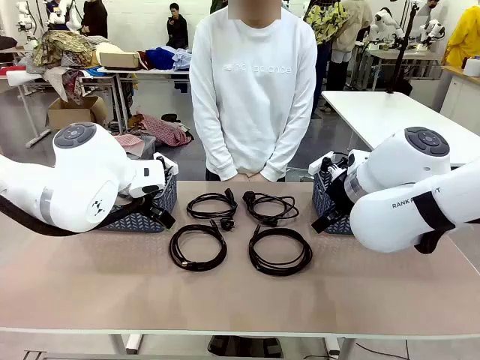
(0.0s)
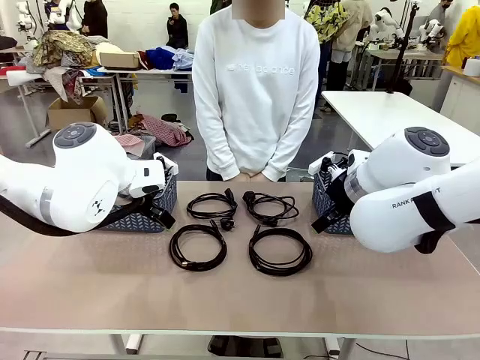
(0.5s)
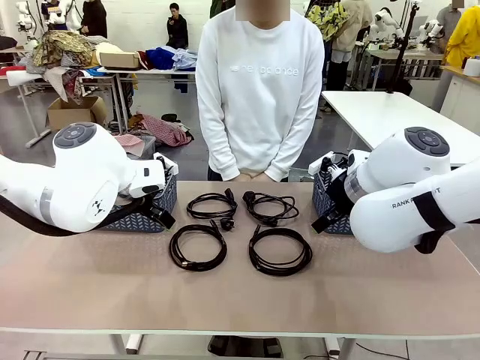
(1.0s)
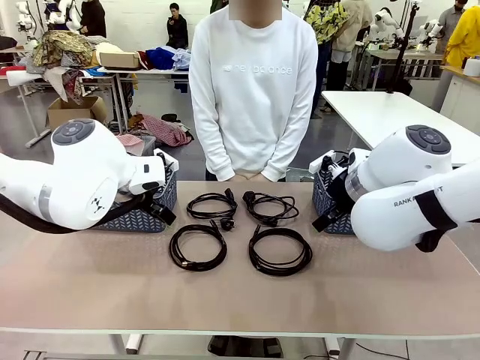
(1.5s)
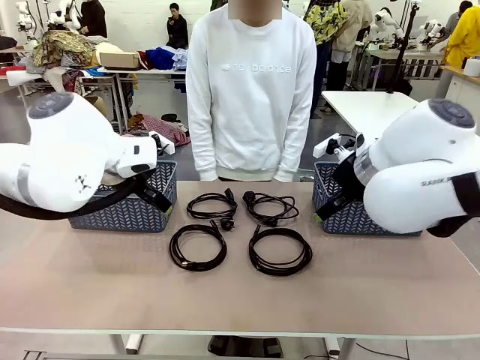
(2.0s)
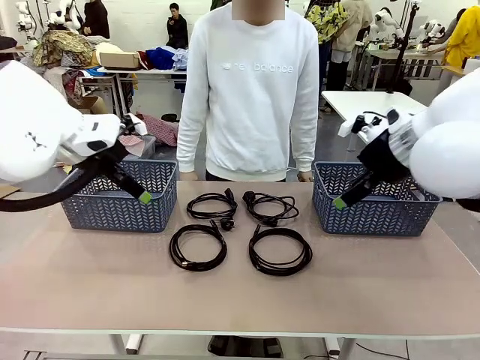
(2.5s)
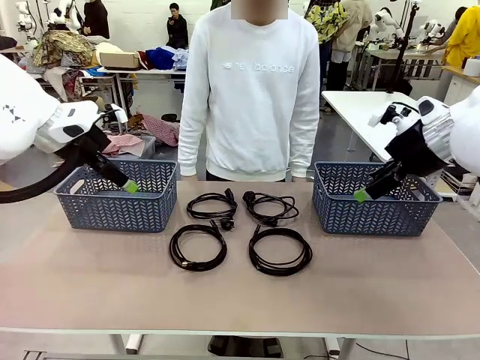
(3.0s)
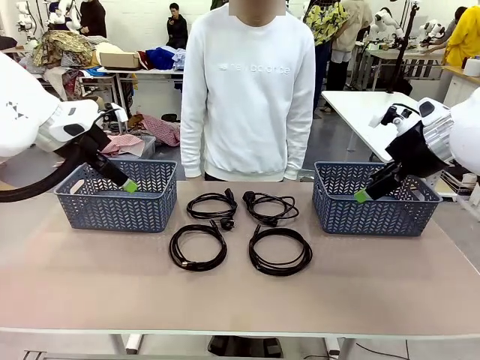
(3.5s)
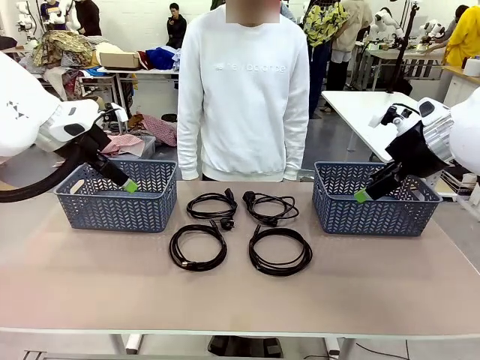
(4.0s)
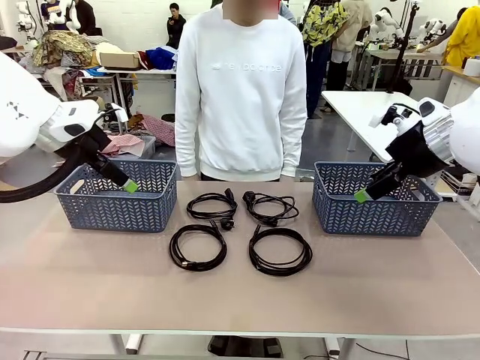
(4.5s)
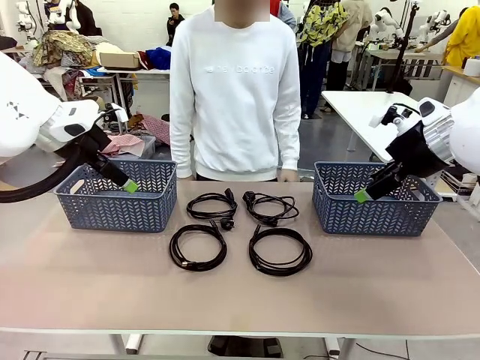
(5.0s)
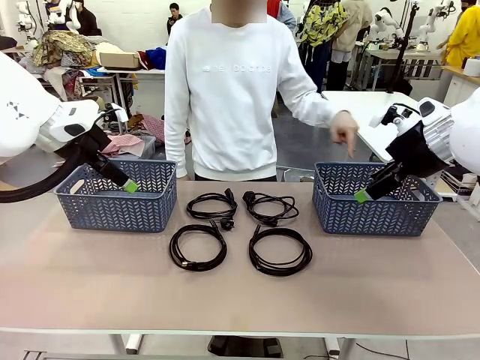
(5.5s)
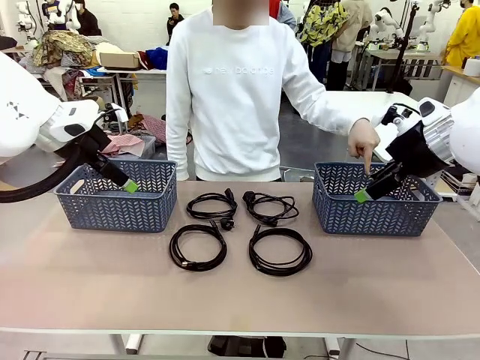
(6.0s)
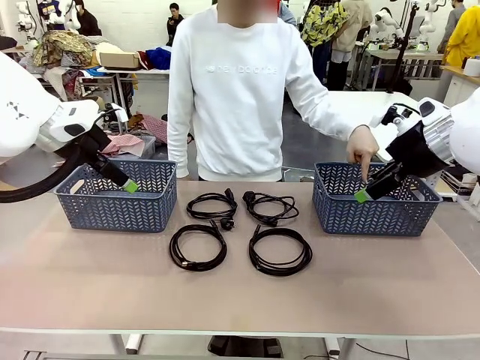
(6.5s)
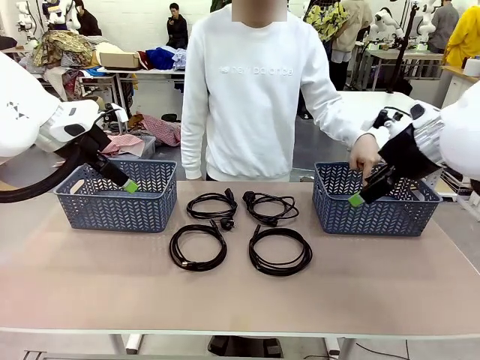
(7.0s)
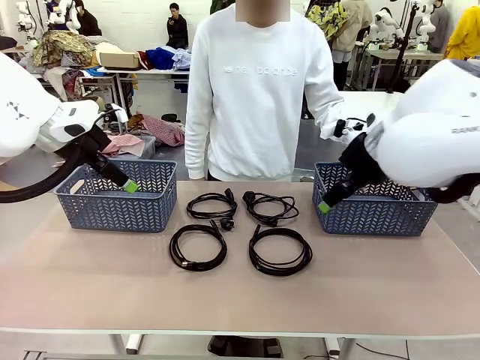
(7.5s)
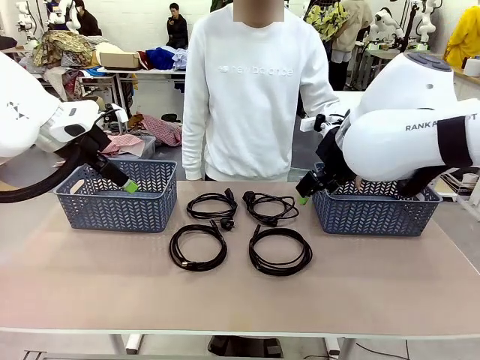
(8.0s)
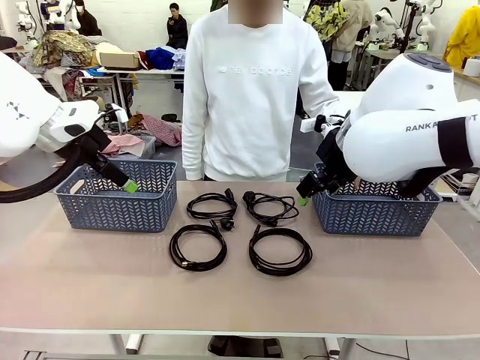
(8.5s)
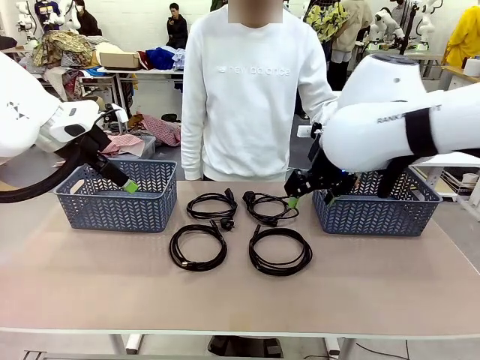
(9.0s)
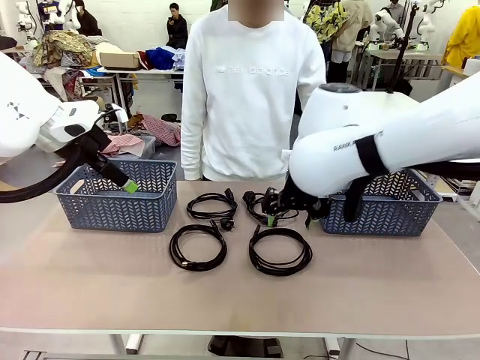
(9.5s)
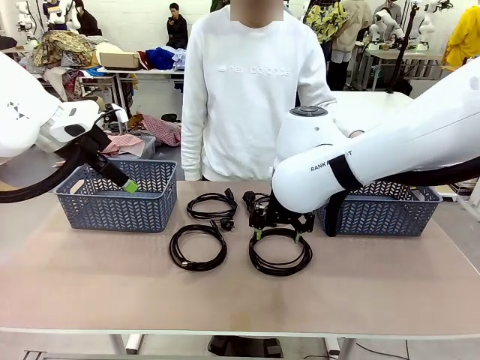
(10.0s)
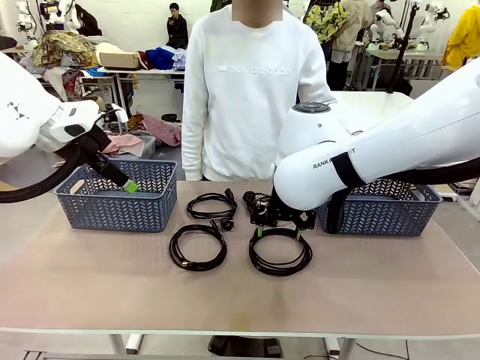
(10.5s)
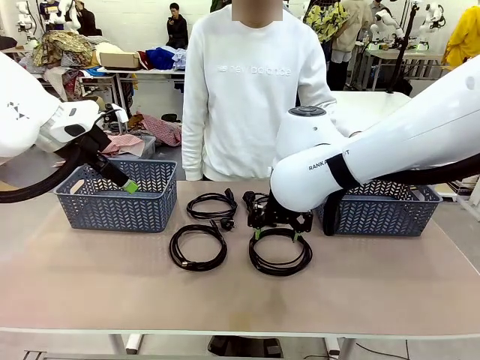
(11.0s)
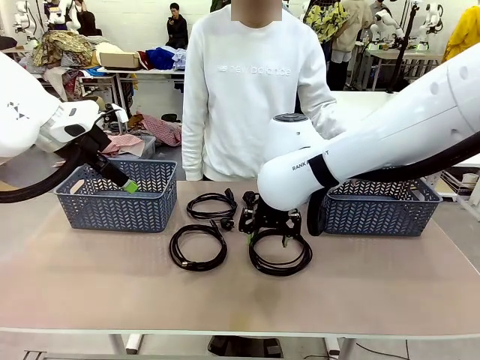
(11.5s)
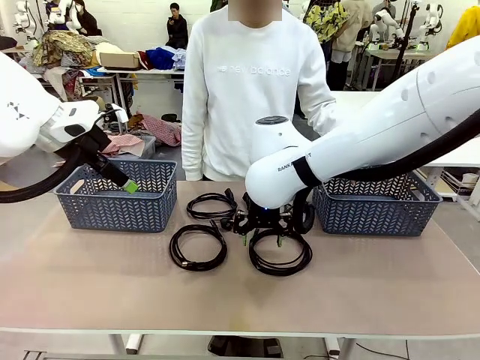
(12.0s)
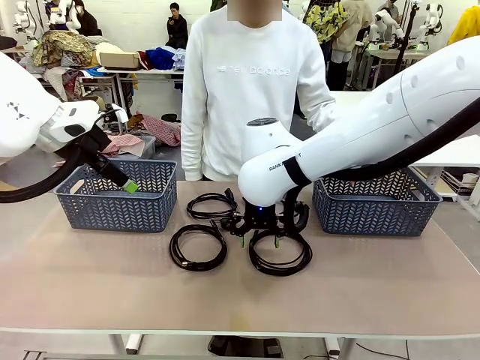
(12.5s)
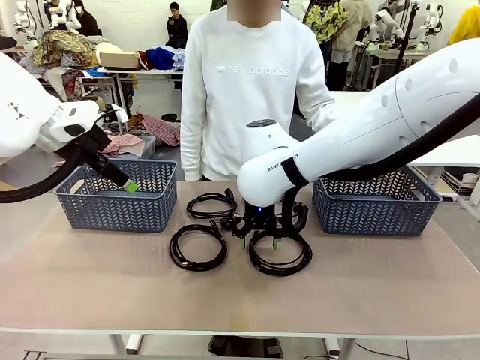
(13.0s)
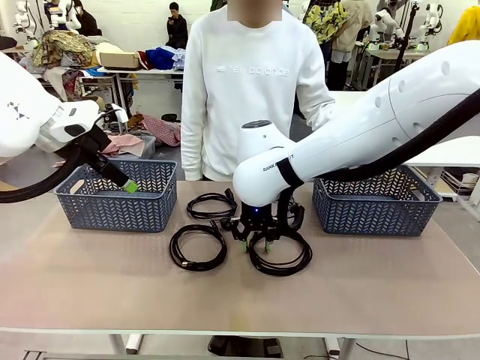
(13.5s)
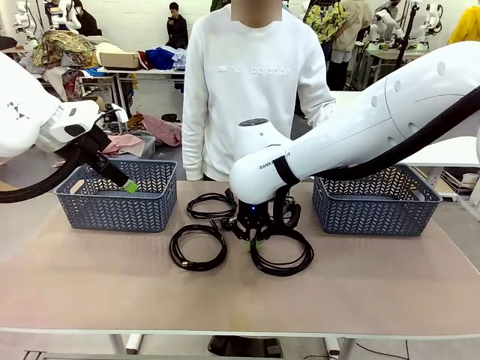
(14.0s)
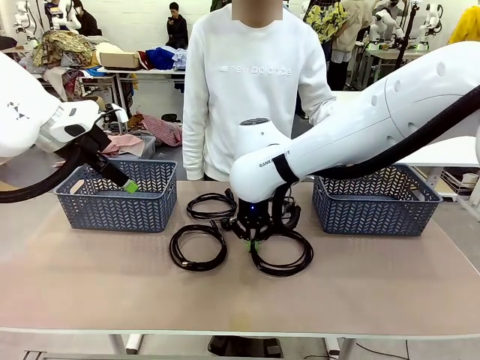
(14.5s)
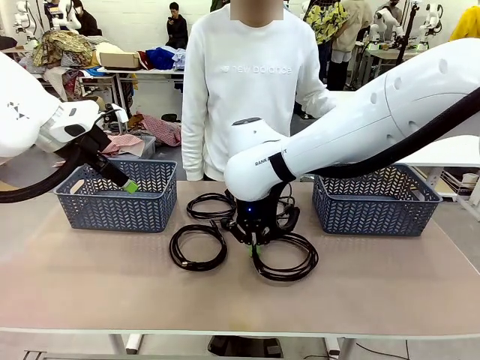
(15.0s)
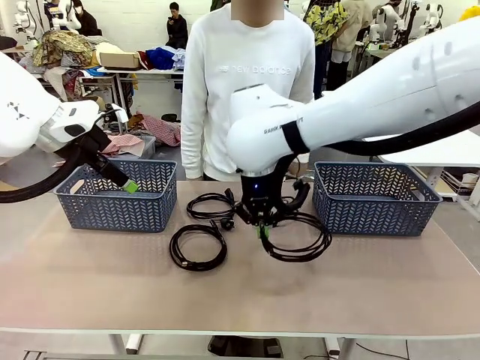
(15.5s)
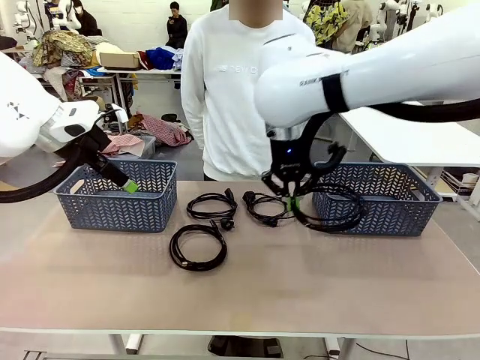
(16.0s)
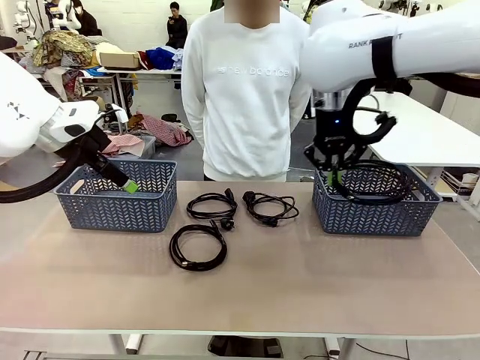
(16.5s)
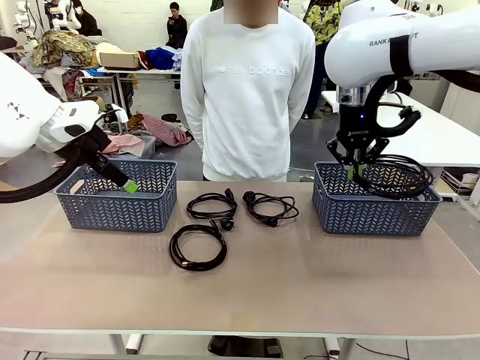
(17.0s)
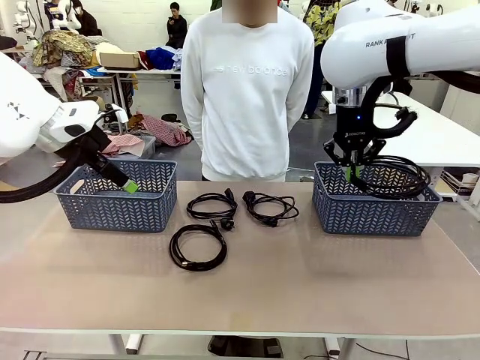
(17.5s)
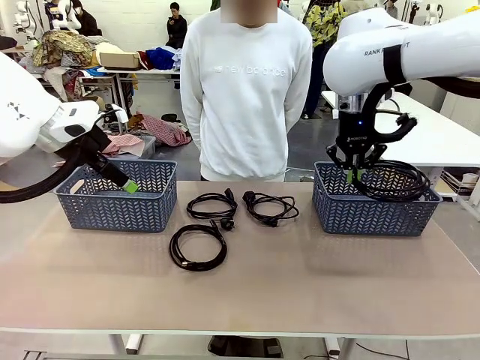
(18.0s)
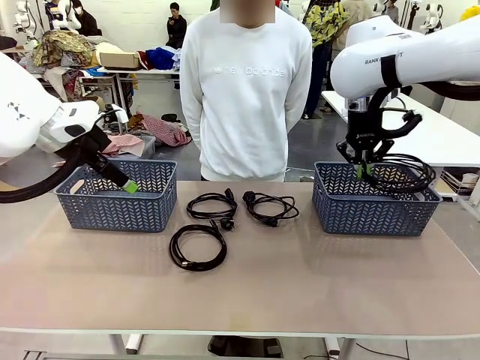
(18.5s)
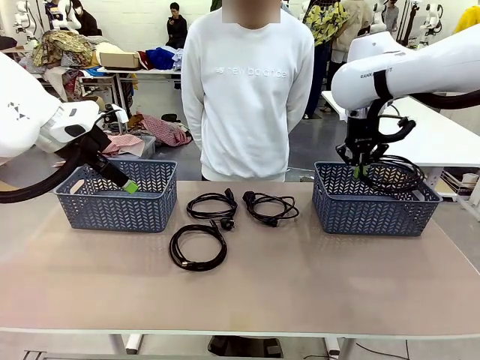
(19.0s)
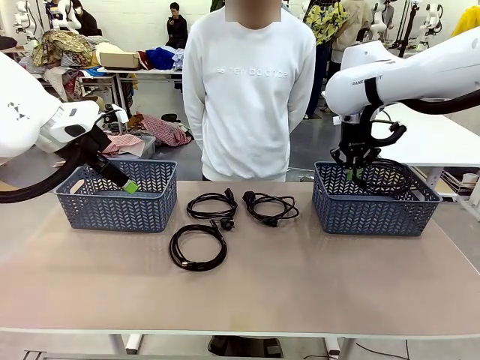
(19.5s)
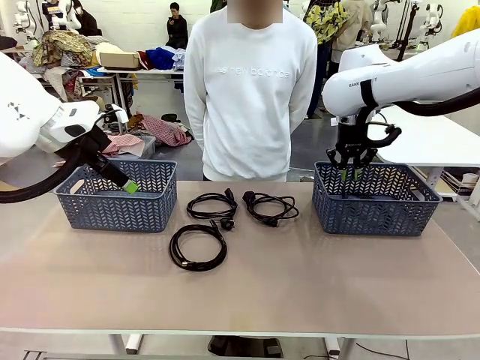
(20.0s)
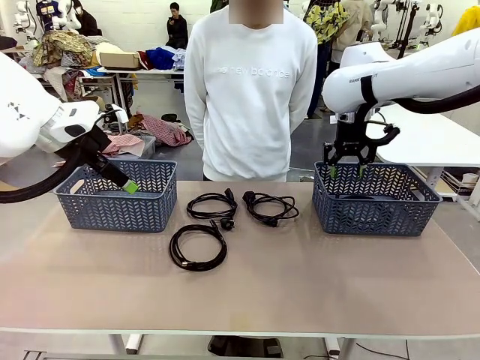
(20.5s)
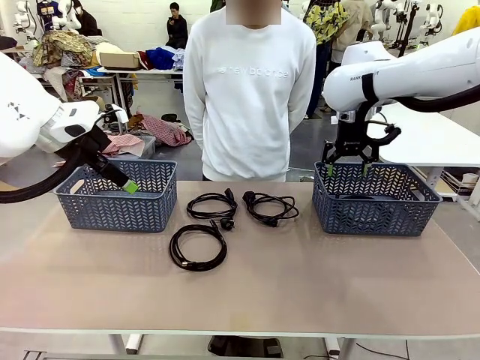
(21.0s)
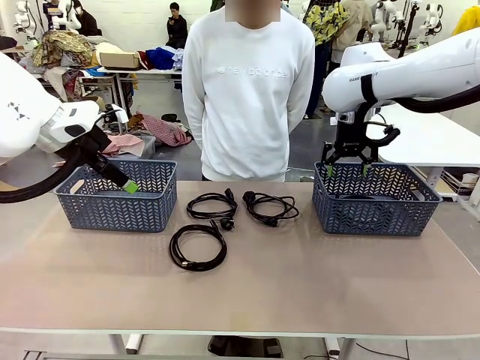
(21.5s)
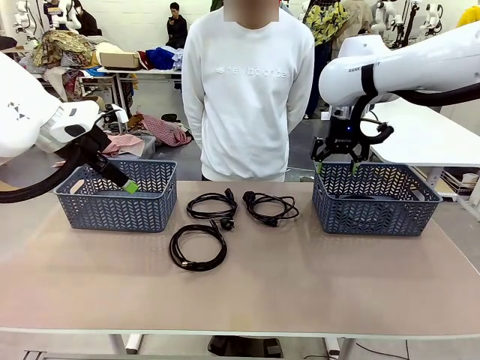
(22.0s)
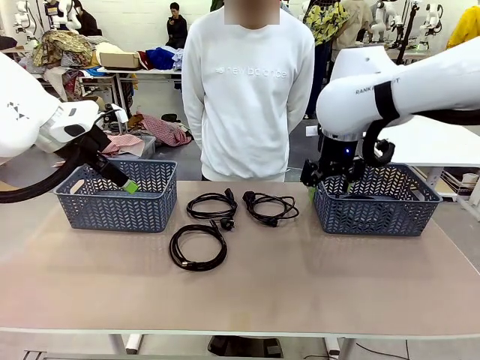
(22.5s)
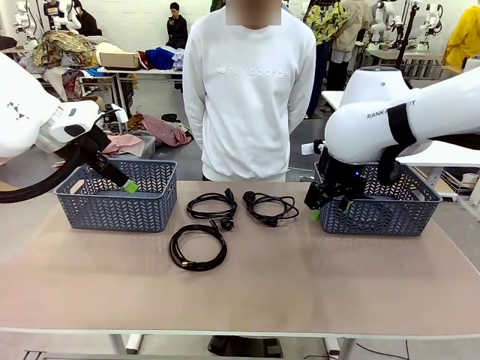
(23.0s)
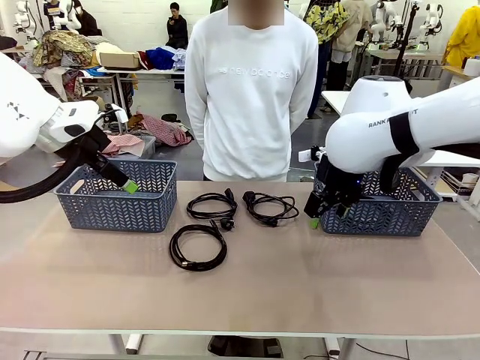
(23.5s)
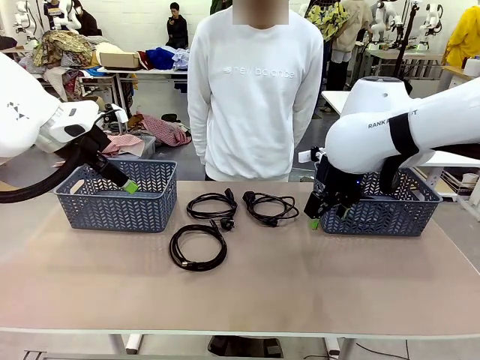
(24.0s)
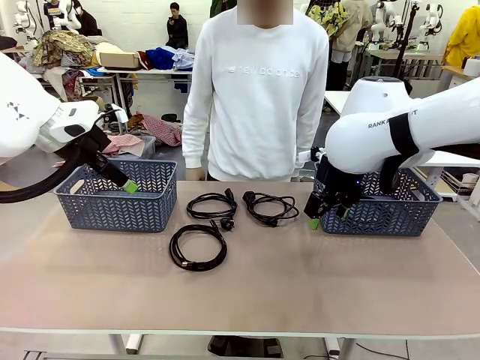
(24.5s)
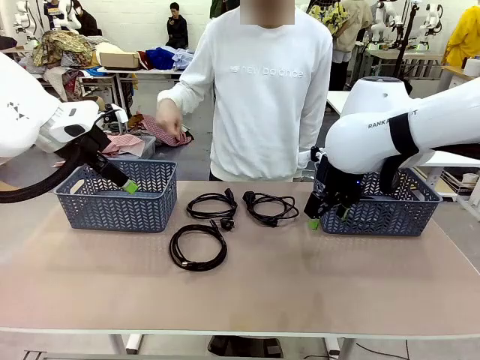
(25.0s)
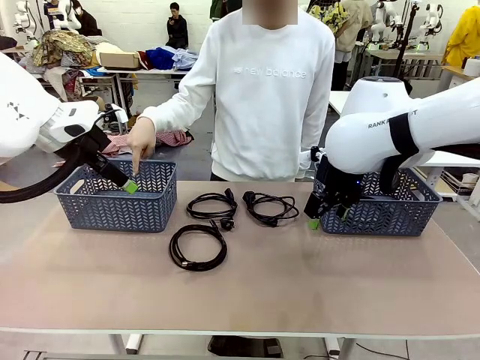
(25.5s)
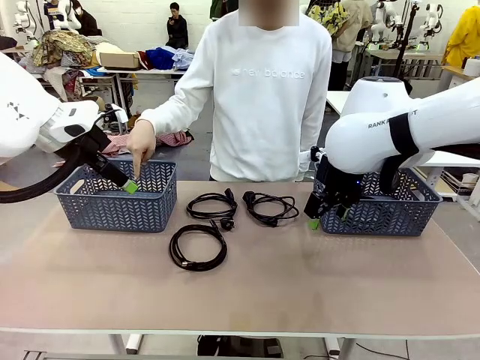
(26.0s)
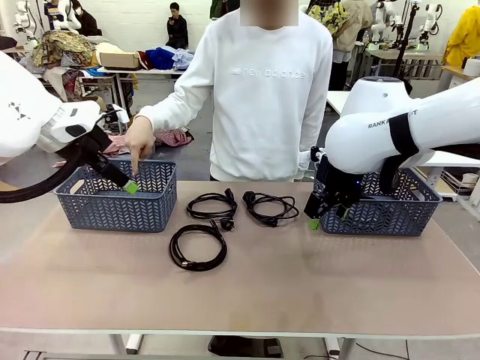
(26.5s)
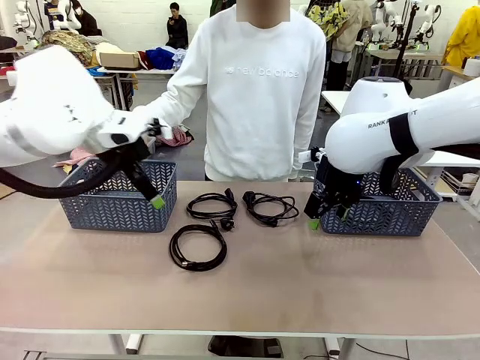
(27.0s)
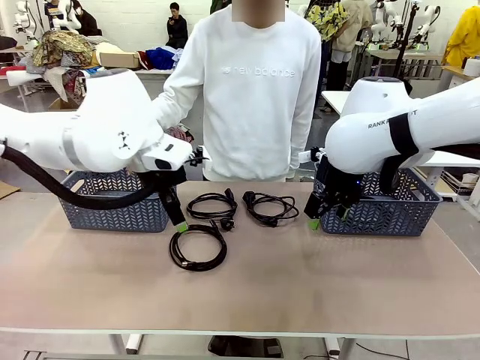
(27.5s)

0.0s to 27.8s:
Task: Organize the cables according to human instructions.
Robot: Pick up a bundle of cables and place it in the basket indicated by the human.
